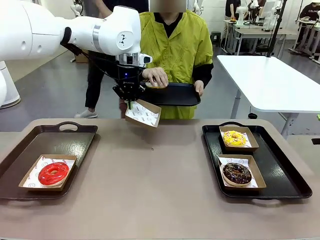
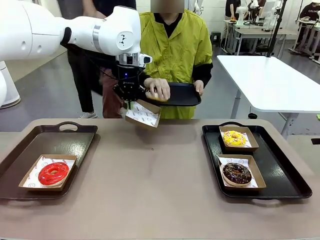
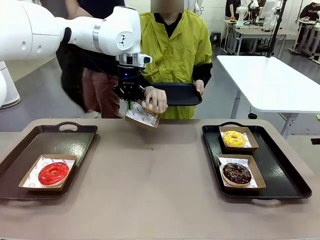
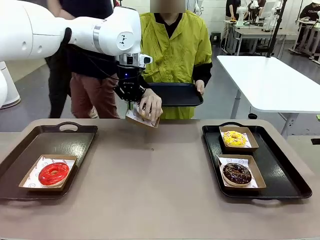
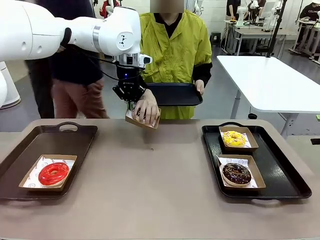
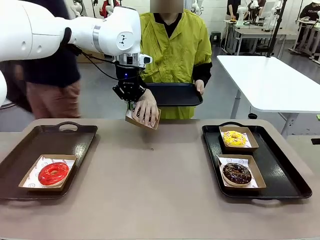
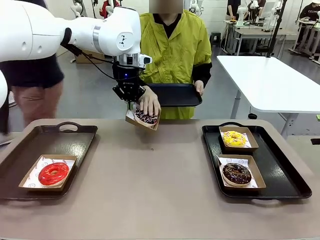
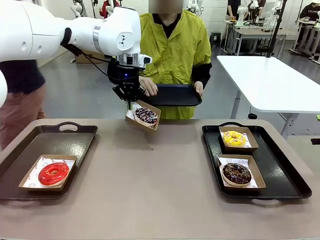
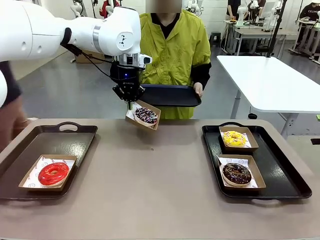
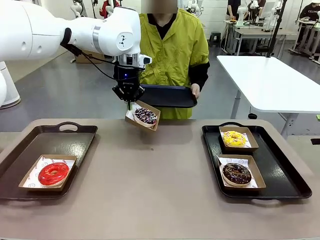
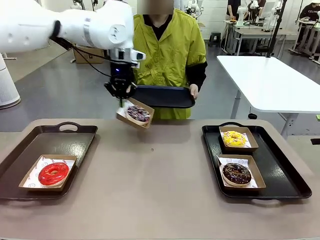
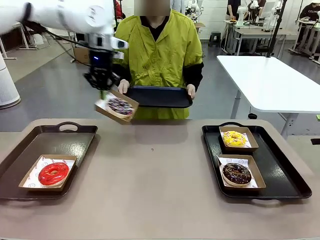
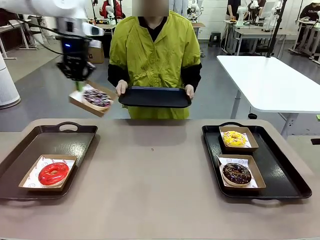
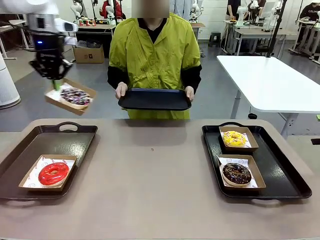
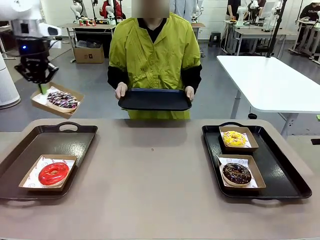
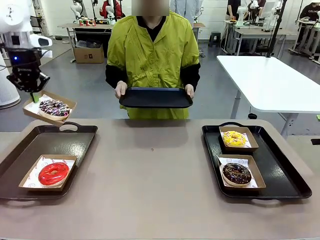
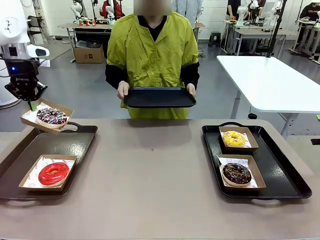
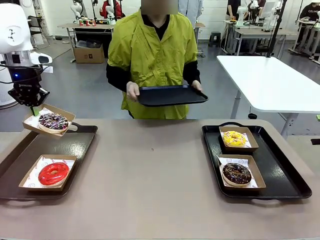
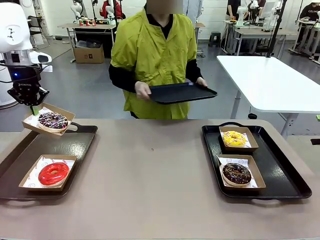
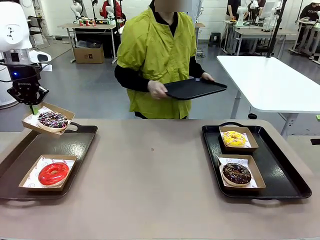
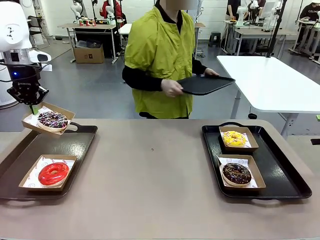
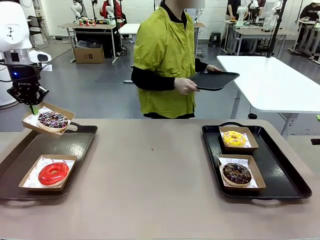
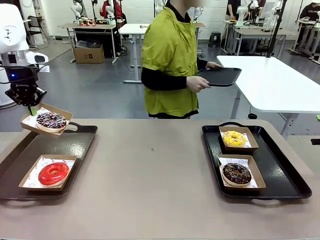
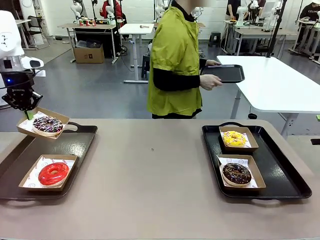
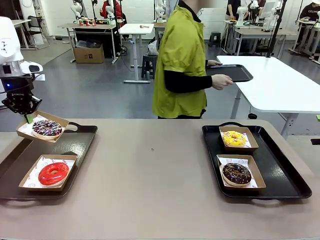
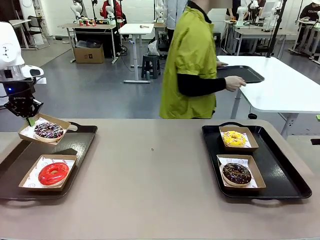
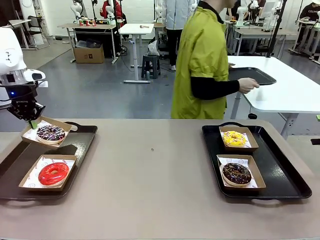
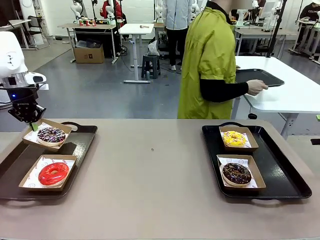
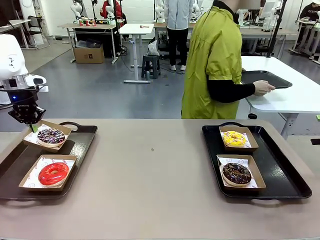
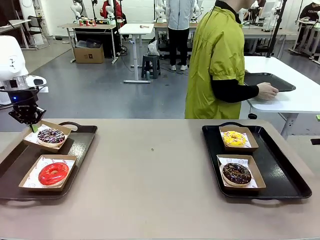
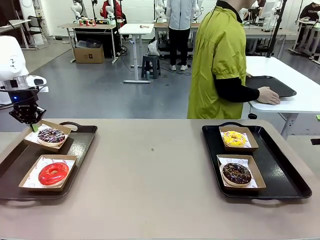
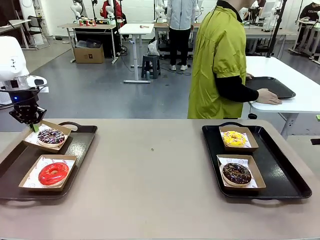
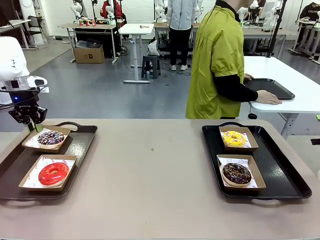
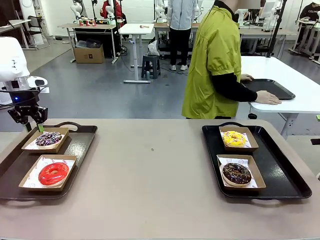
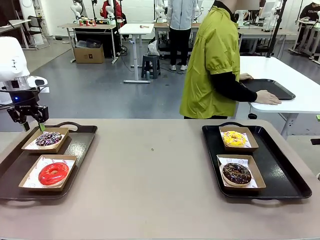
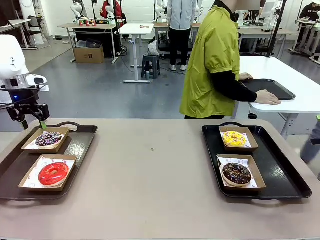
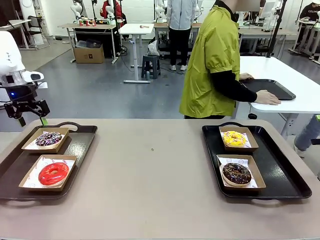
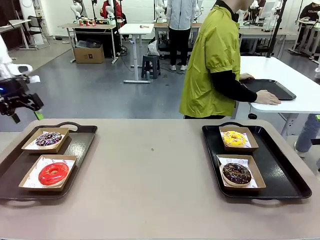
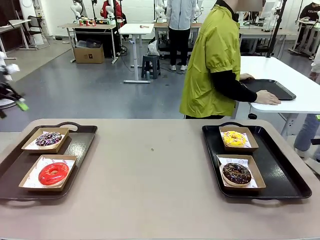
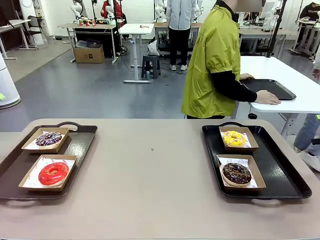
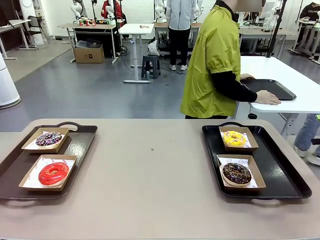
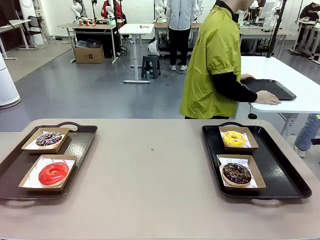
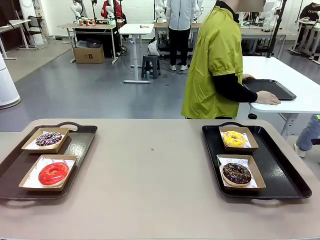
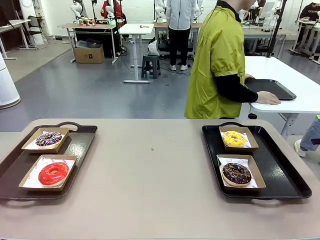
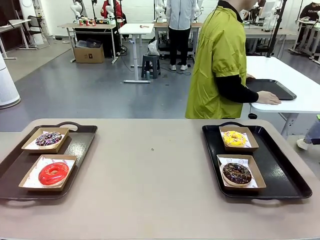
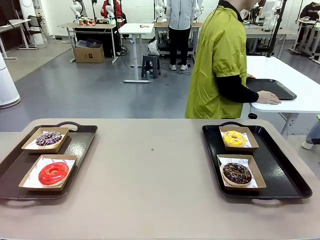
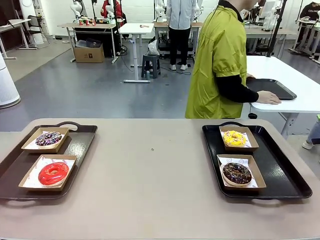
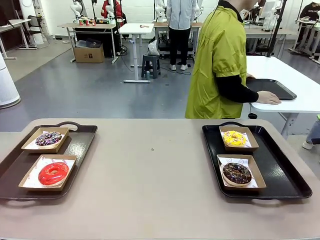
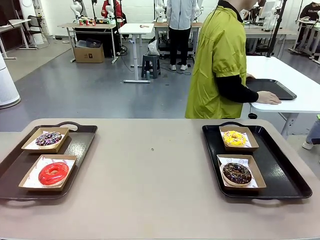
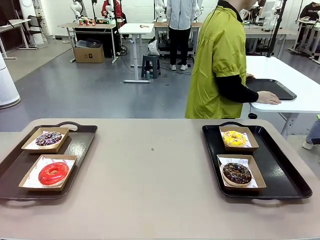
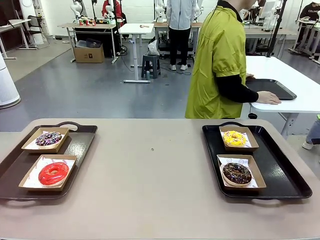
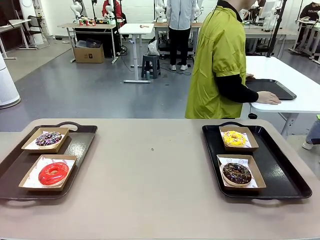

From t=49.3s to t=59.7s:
Task: Individually package the donuts and arrange them on the tray.
Robot: Place the picked Paper togo box on the Handle tray.
Person: Place the tray down in the middle of the human table.

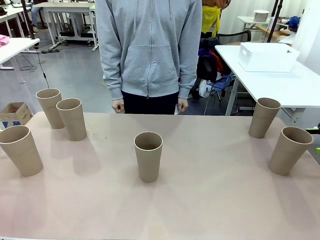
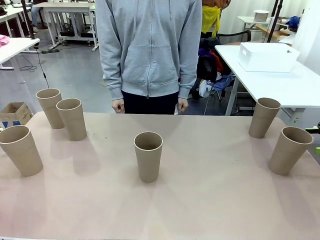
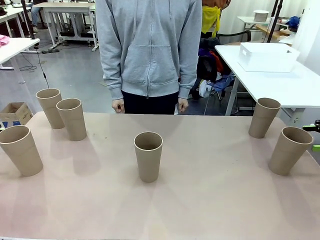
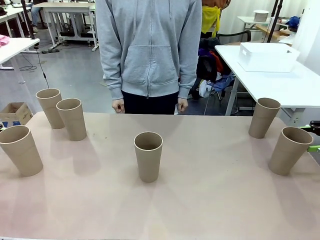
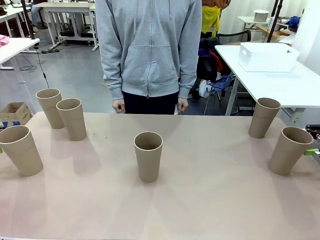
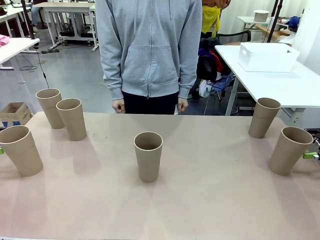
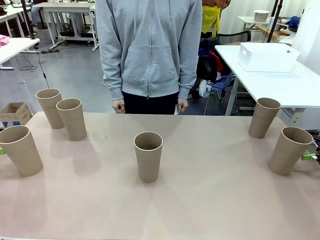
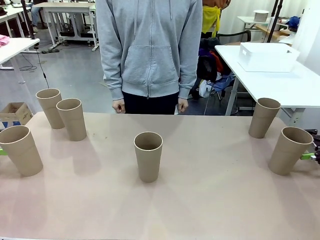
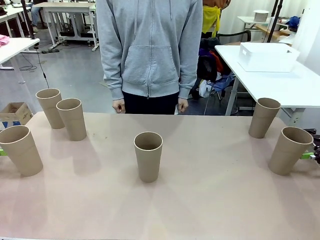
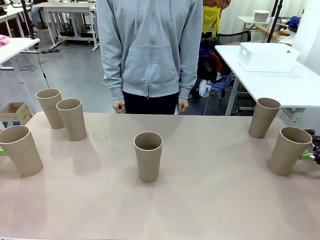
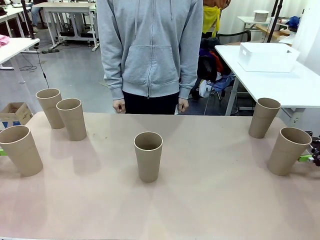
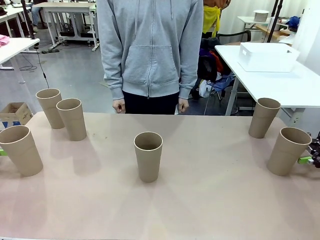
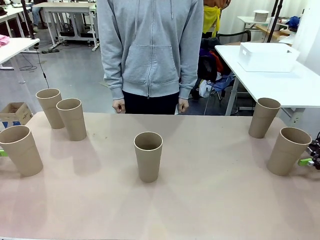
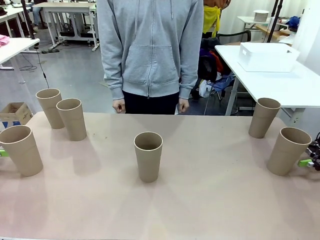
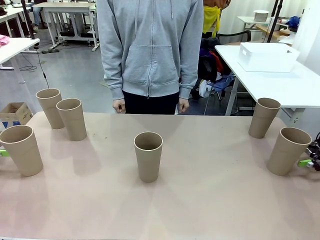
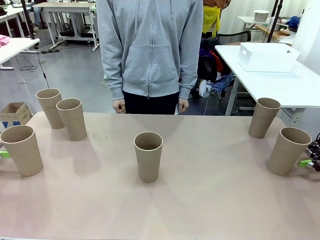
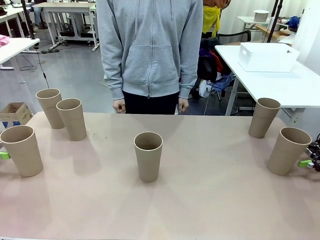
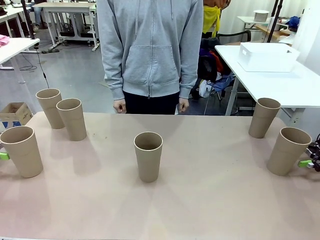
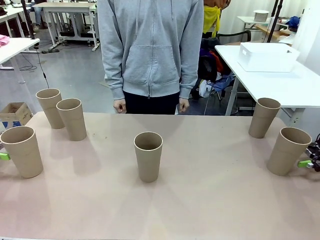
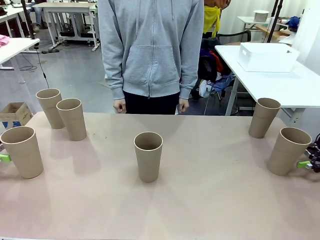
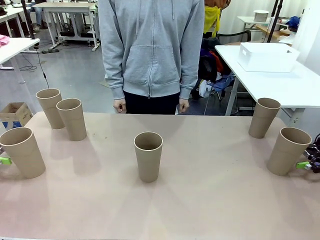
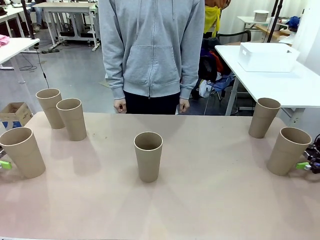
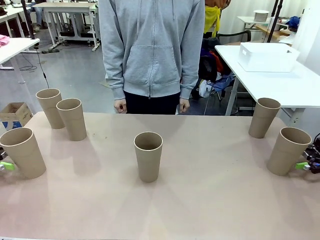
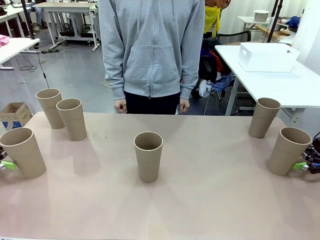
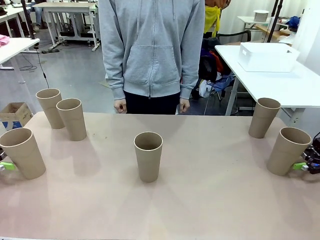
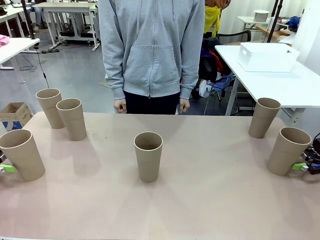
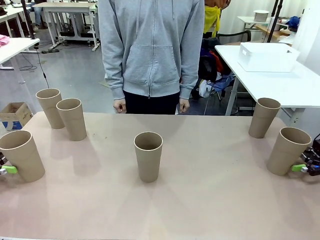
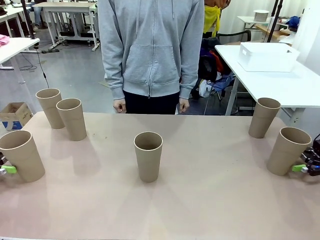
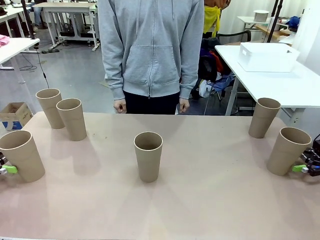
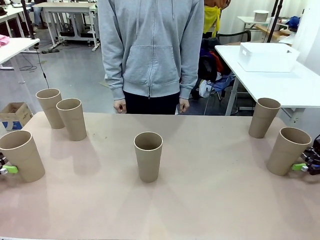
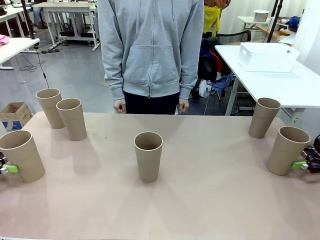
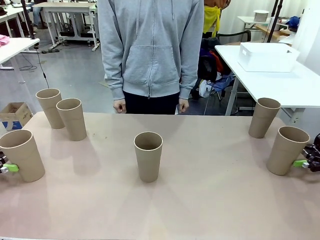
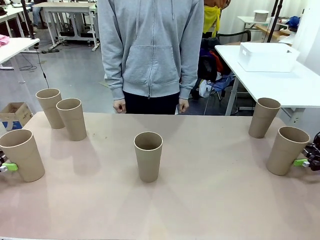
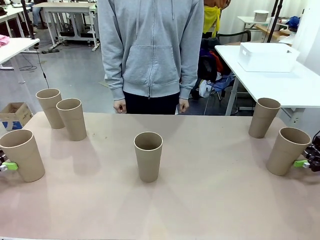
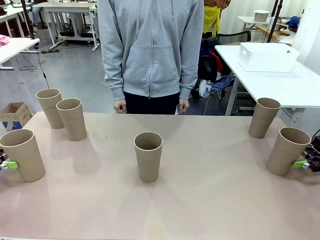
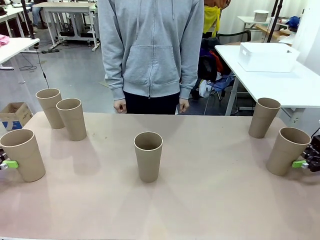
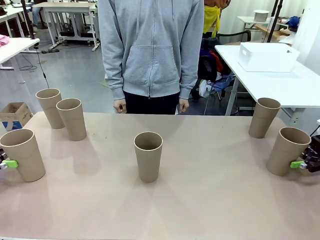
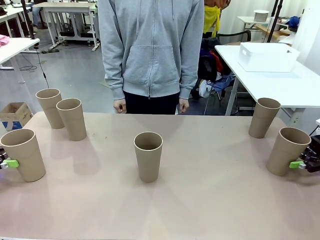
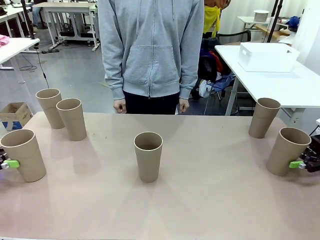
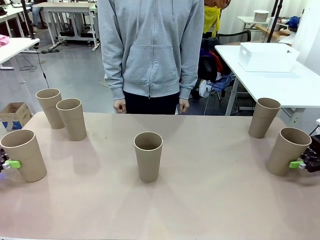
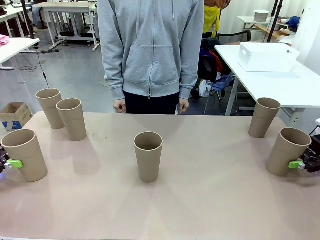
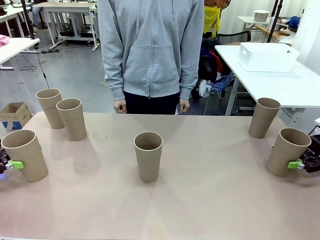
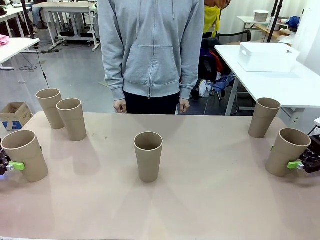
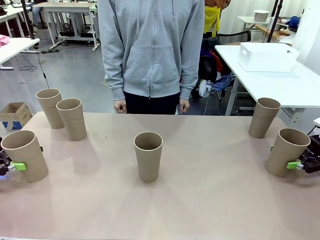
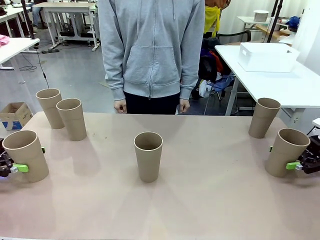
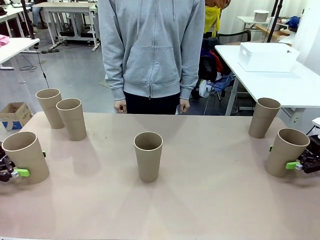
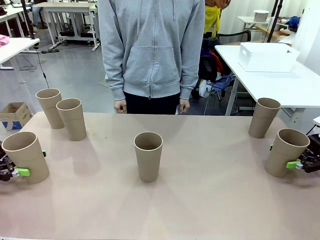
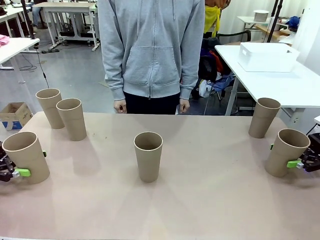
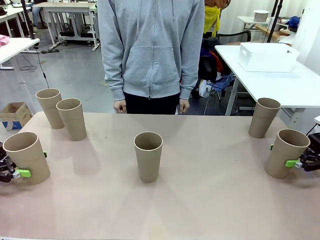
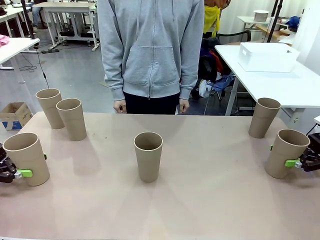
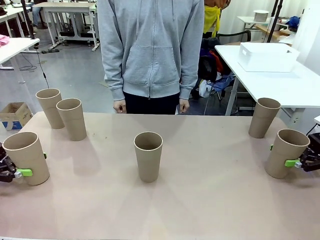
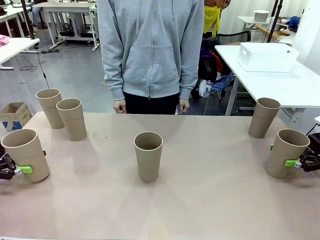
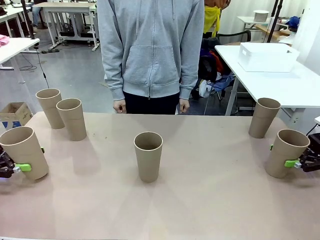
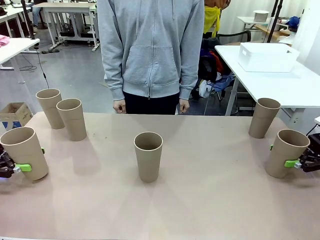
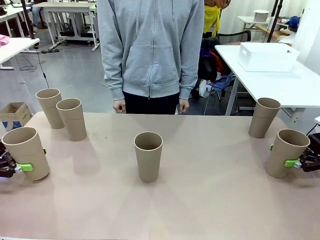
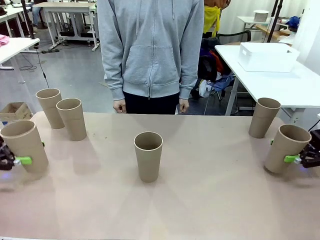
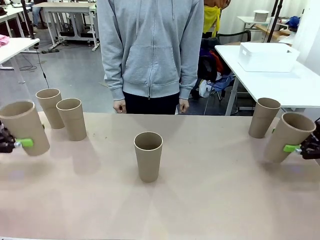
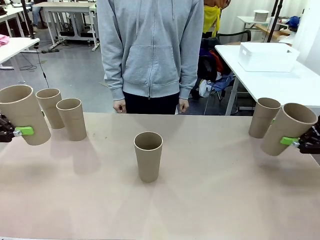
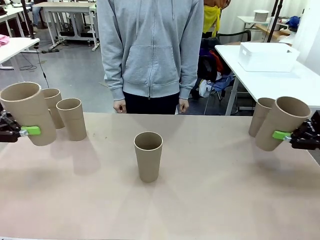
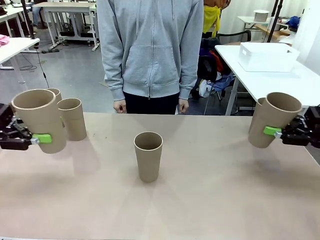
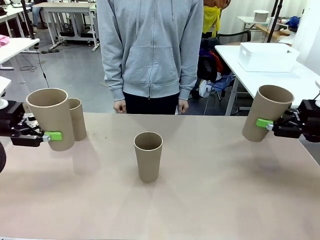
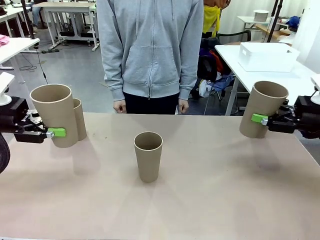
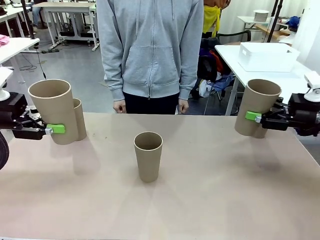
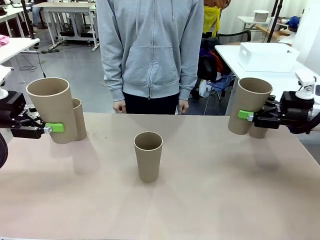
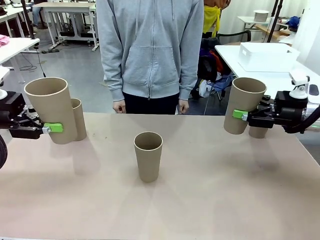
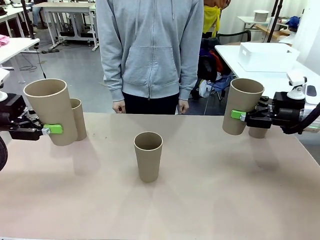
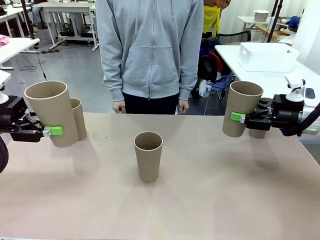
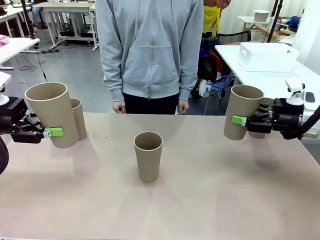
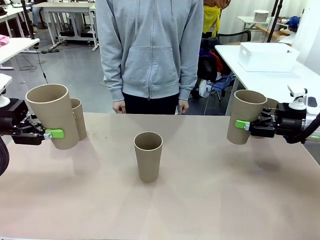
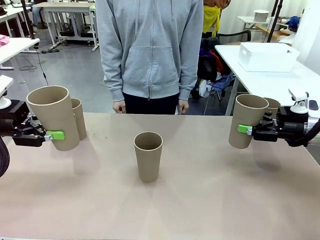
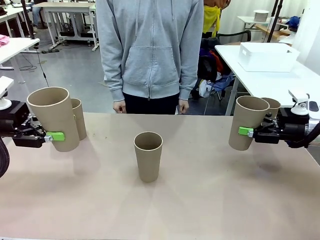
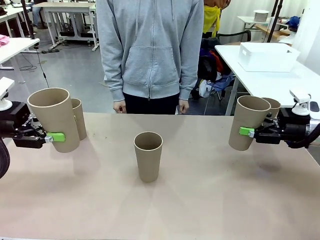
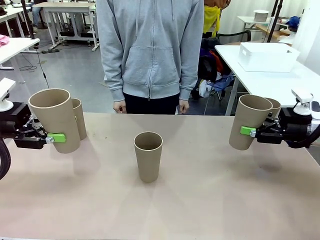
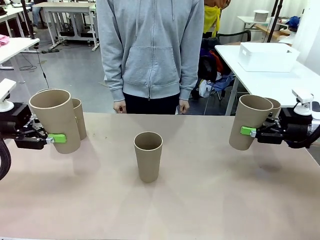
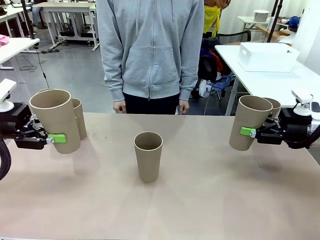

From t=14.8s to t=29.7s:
Task: Stack the cups and store them in the basket.
Robot: Pick up two Reusable plastic cups , one in each hand.
